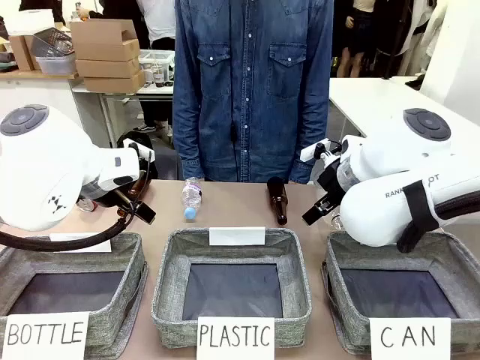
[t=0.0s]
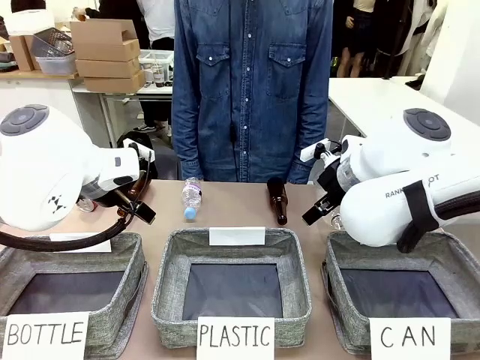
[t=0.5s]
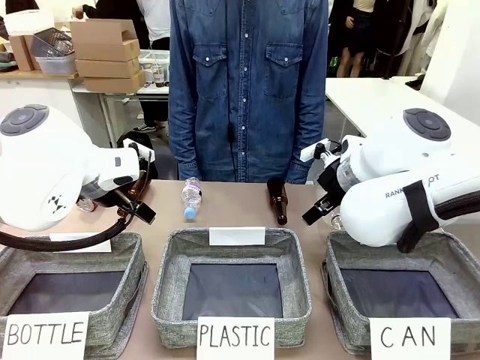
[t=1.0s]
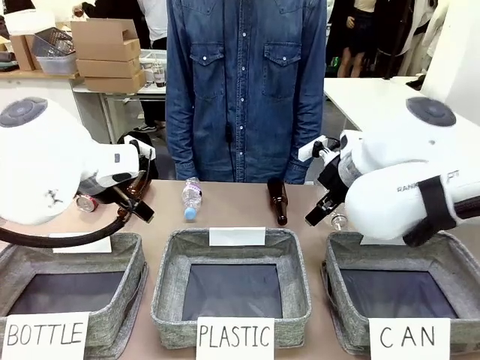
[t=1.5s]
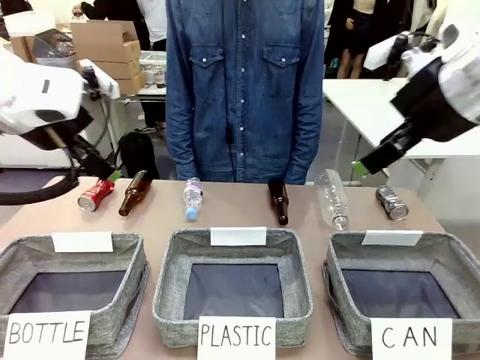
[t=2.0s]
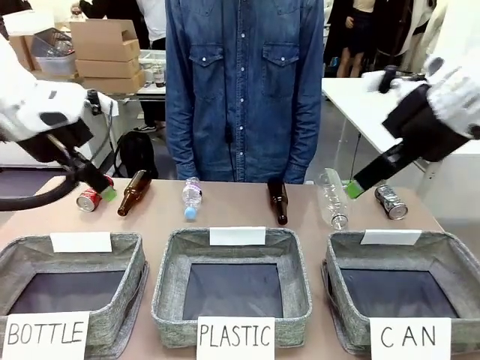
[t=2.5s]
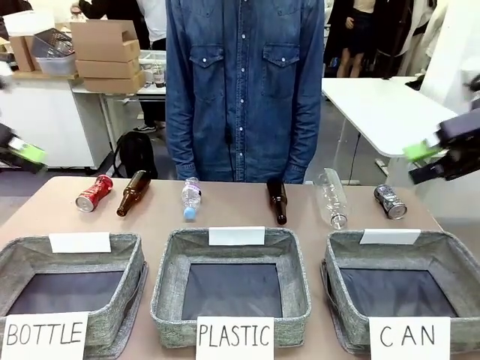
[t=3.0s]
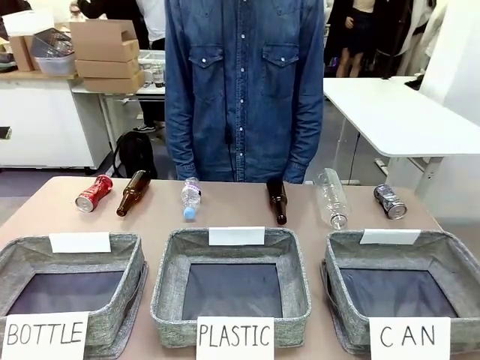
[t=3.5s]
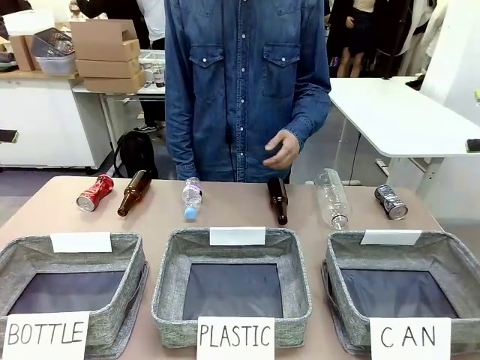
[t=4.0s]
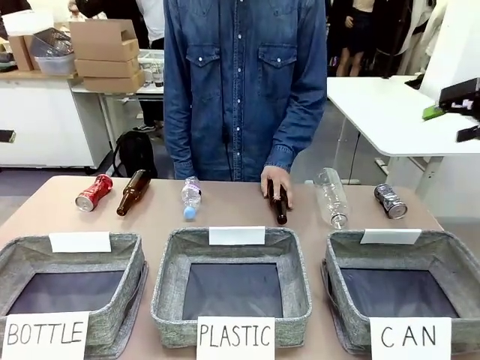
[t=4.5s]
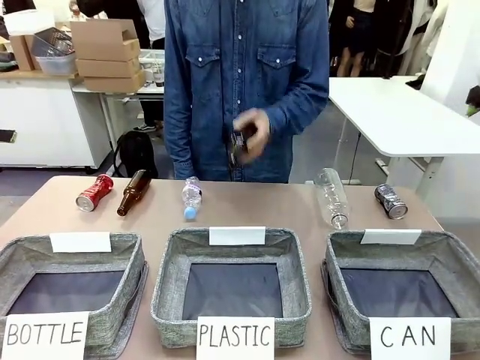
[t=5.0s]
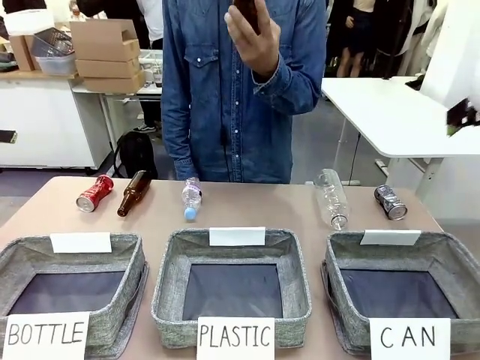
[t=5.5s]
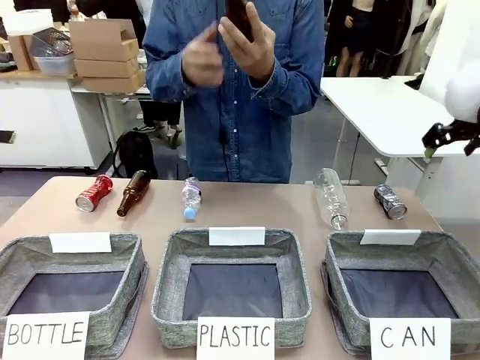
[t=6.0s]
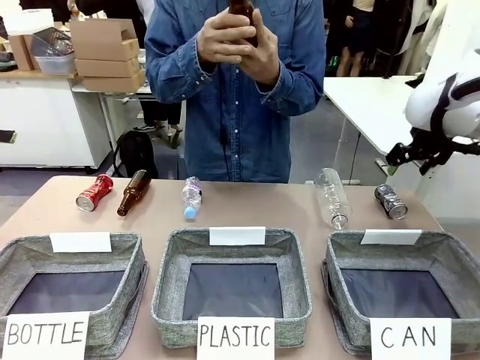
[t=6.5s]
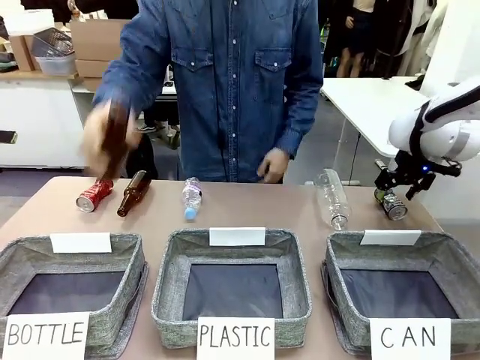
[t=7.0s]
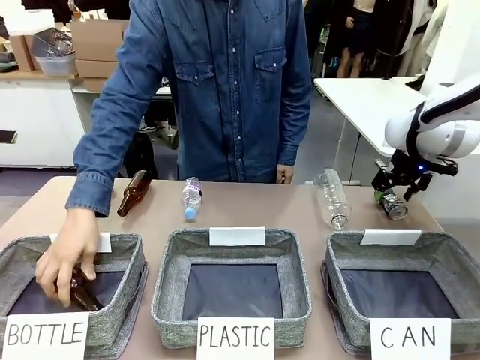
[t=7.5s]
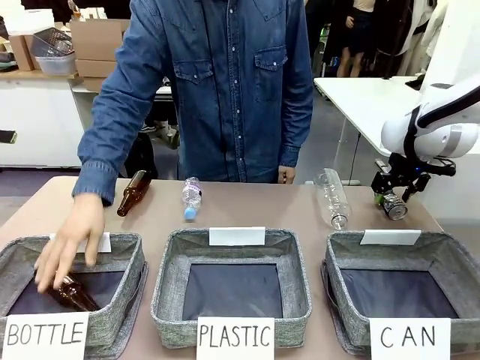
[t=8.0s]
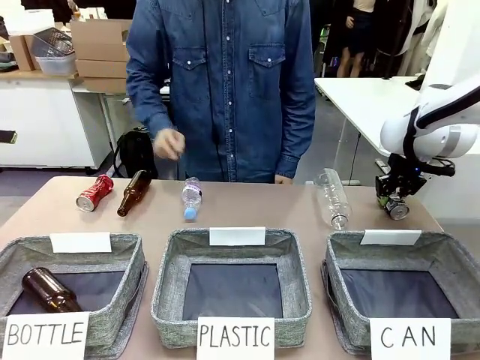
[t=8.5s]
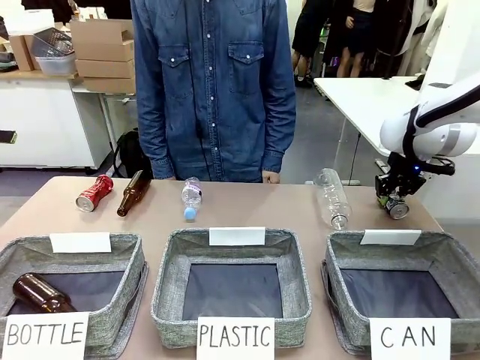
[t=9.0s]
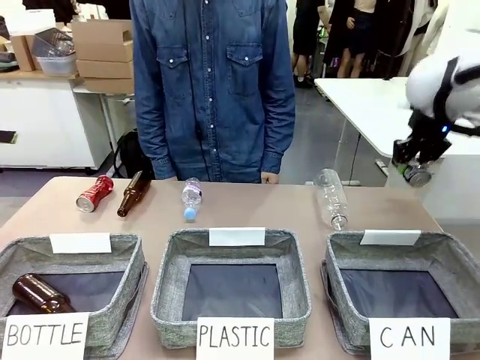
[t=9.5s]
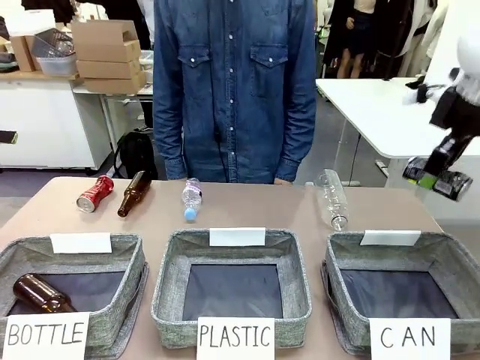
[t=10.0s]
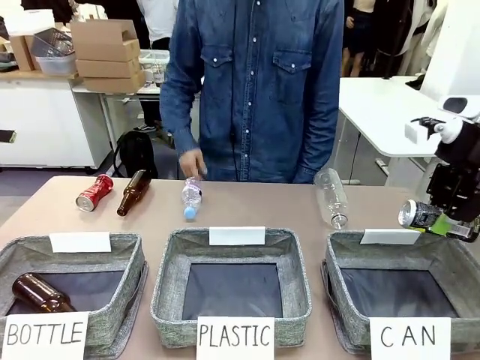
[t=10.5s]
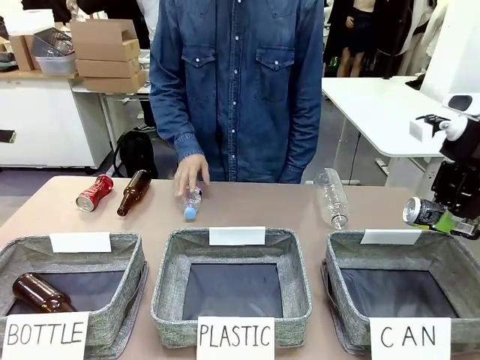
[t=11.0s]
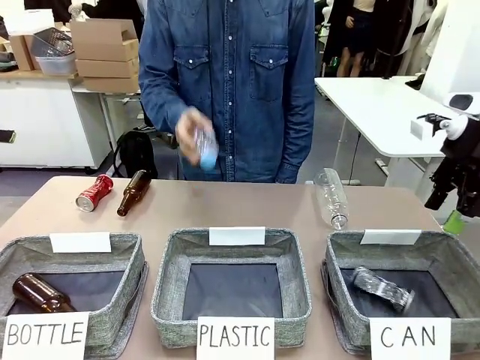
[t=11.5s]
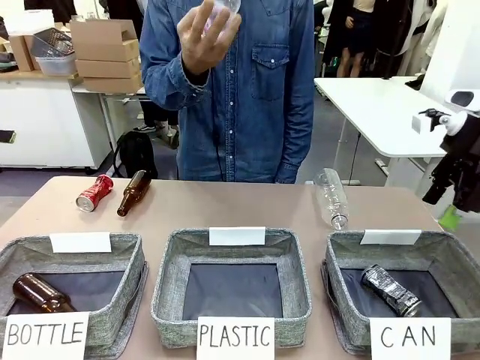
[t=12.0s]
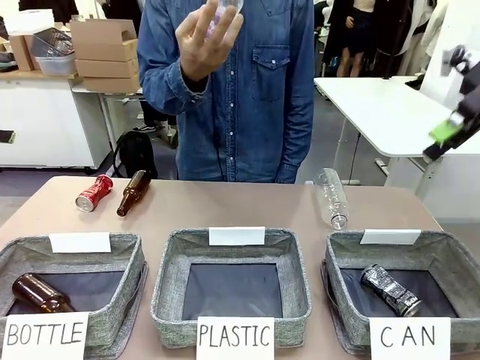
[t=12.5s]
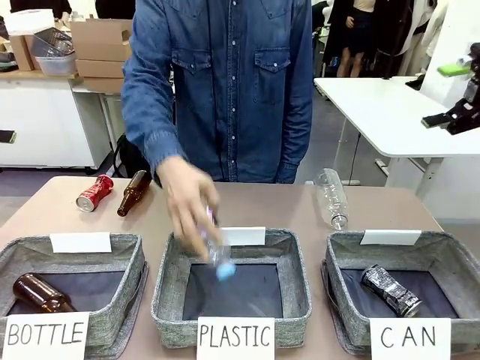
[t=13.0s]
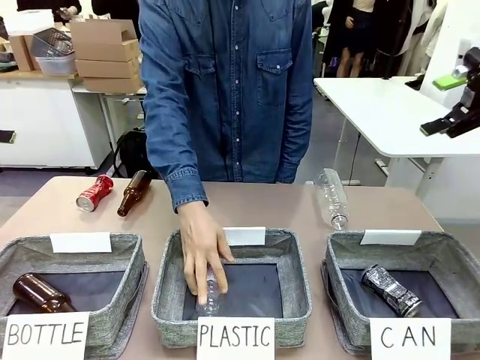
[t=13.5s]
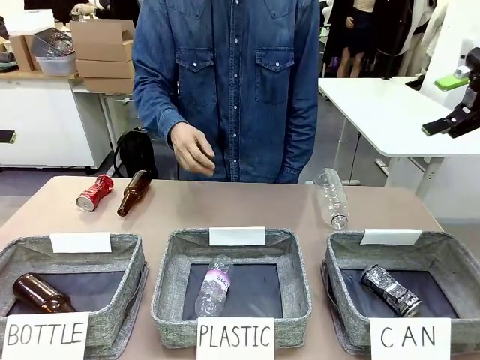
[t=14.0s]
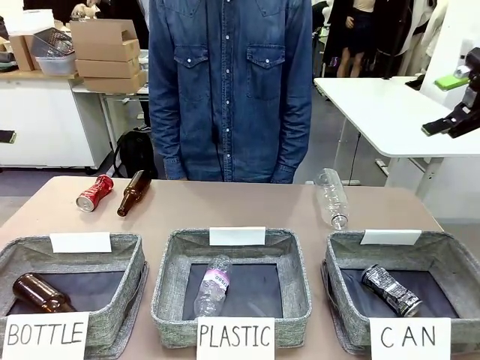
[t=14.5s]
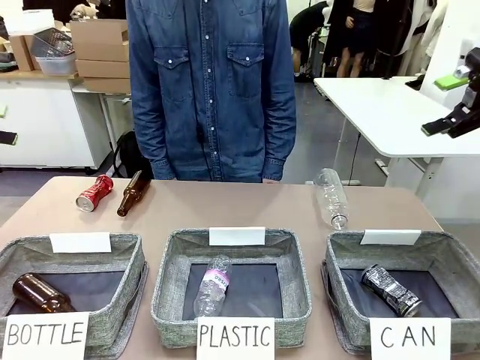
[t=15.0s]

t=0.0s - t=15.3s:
Task: Sort the can waste into the basket.
Robot: Pick up the can waste from the table and place it in the right Fabric basket.

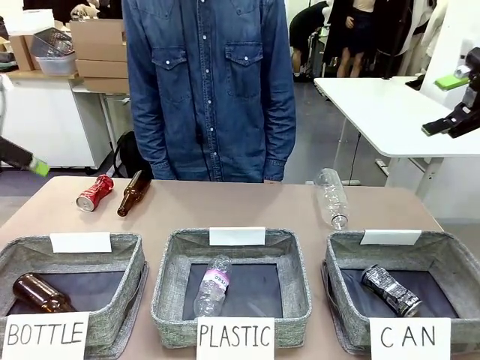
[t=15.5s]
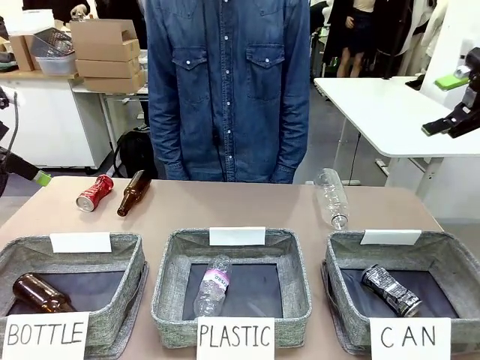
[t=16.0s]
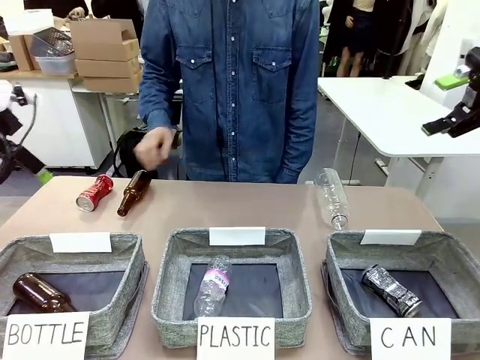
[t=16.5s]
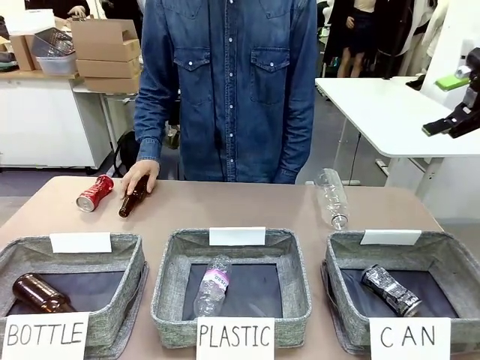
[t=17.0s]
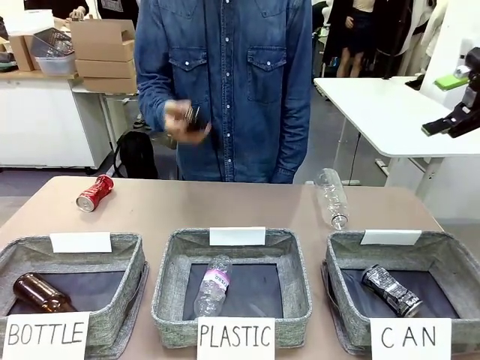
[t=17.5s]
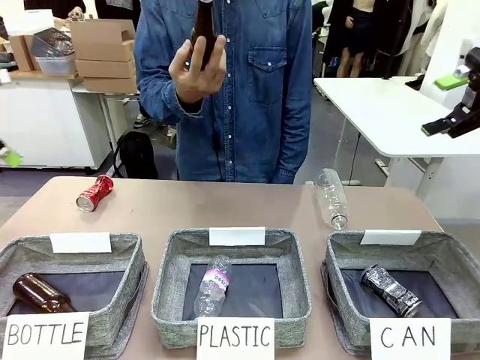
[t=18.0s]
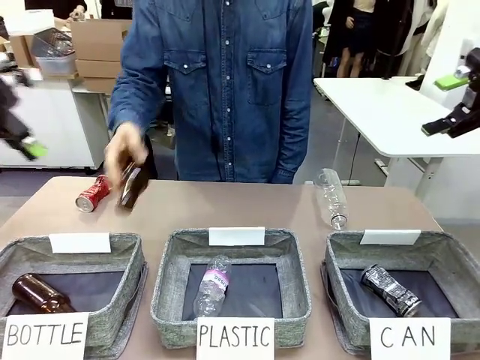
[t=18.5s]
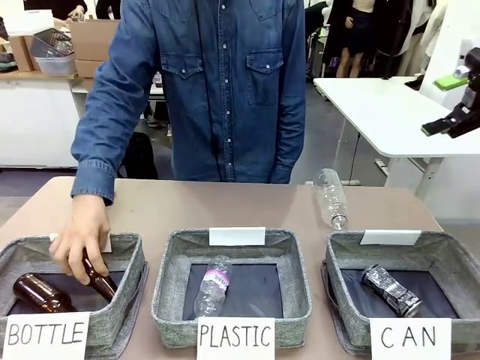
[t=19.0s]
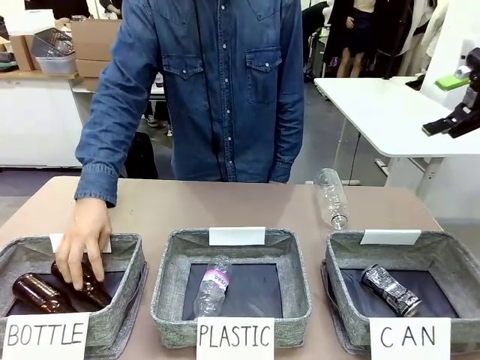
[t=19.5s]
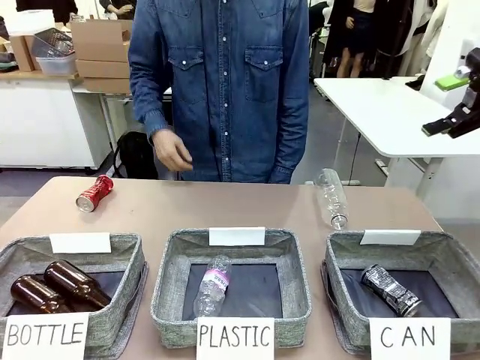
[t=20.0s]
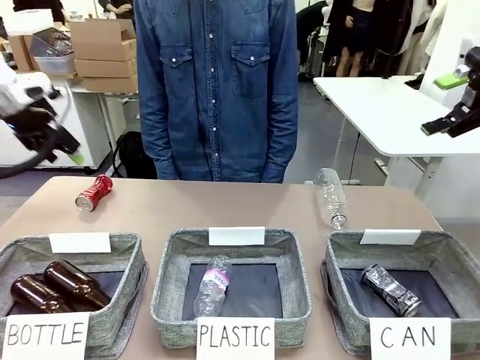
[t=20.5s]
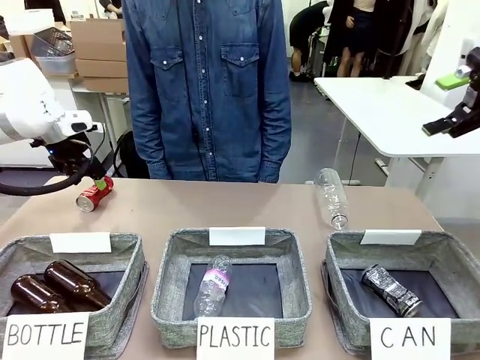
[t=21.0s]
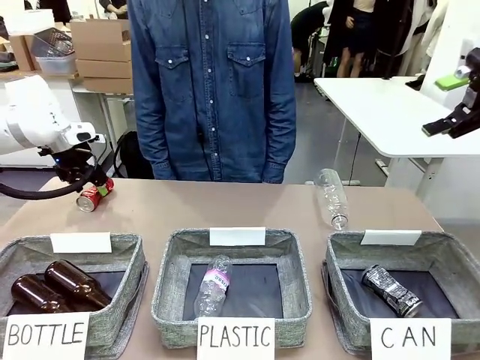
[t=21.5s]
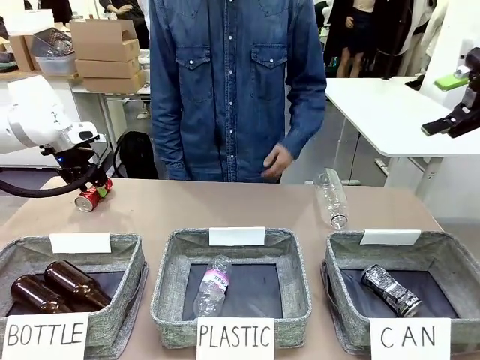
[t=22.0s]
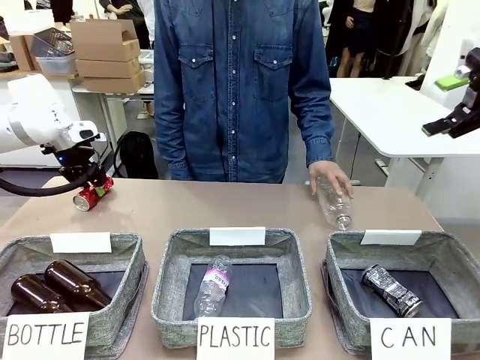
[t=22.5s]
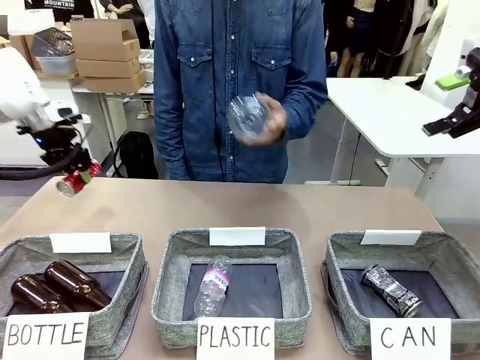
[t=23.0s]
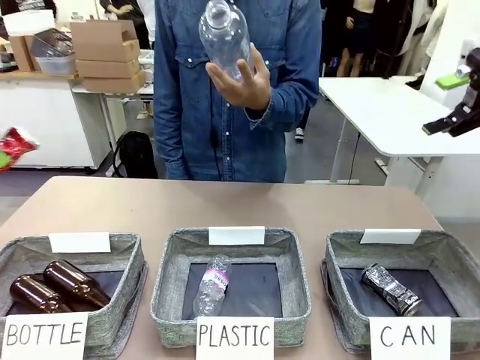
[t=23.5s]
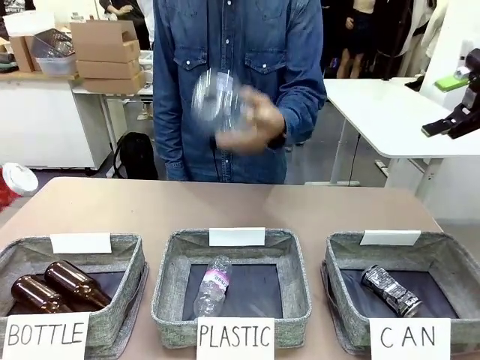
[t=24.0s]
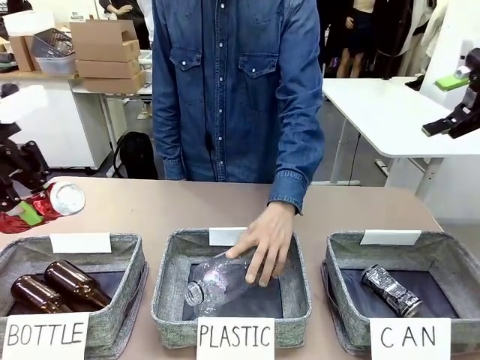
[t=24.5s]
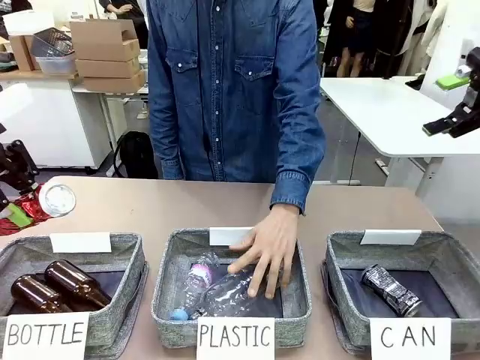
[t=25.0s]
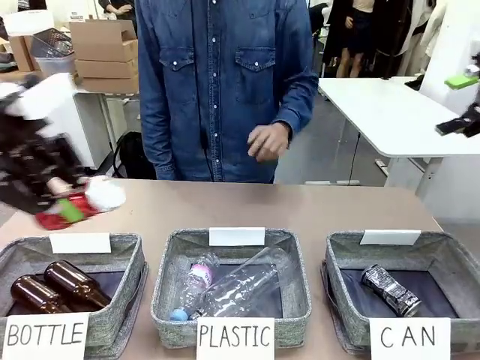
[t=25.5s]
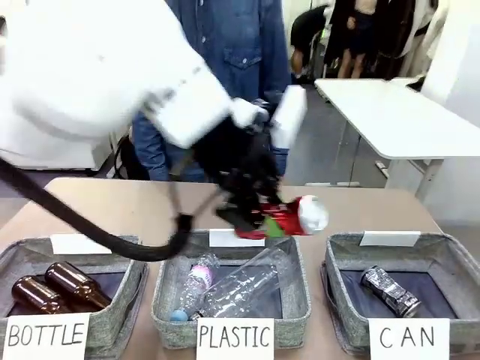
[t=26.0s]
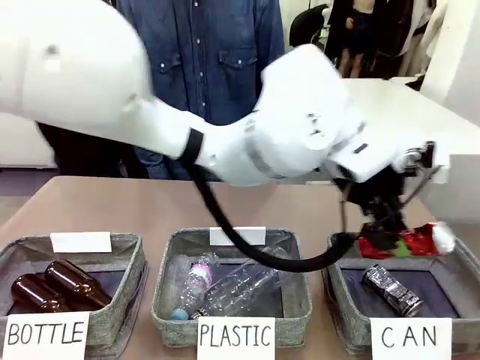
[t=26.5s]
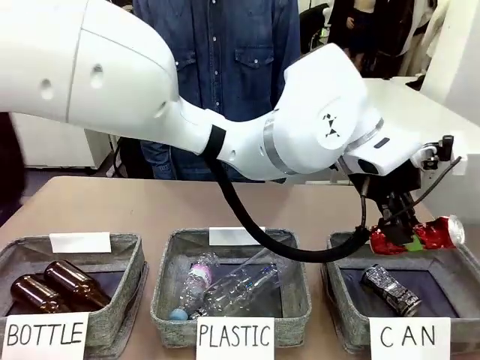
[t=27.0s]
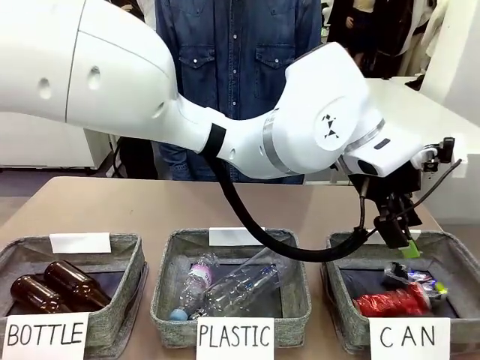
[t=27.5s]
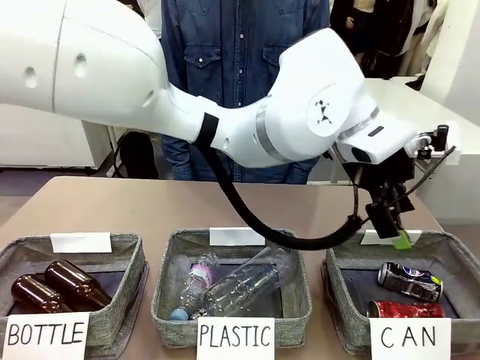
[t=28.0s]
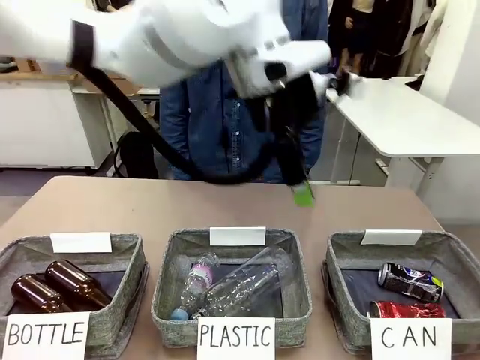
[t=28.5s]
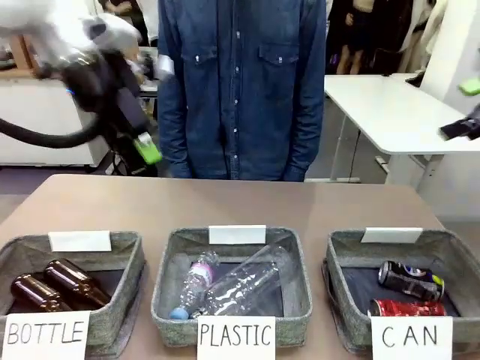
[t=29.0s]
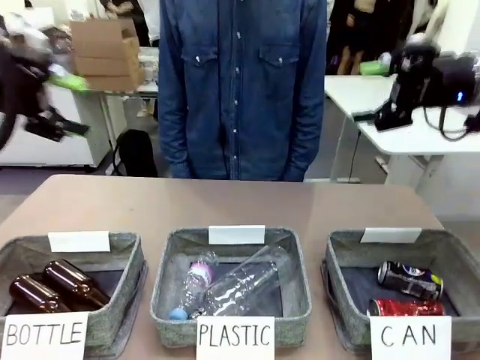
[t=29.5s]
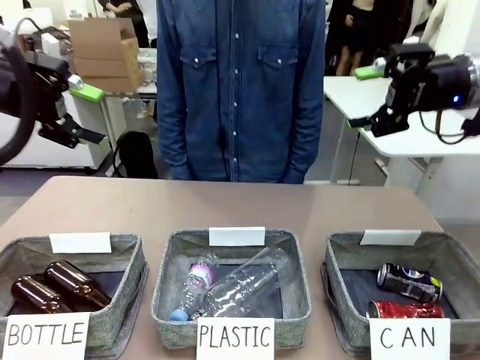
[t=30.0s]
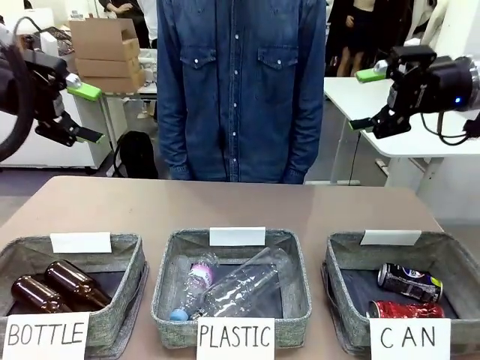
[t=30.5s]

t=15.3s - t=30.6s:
Robot: Pick up the can waste from the table and place it in the right Fabric basket.
